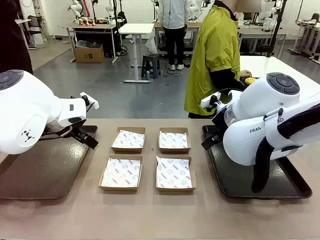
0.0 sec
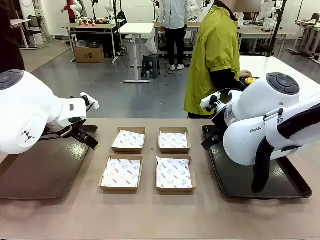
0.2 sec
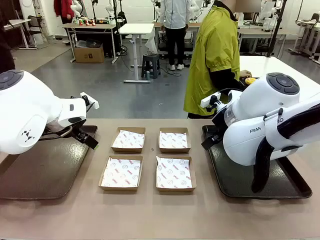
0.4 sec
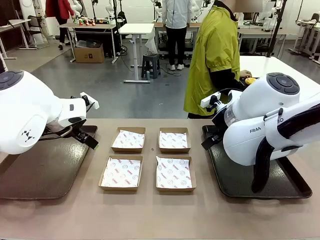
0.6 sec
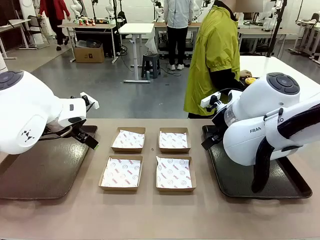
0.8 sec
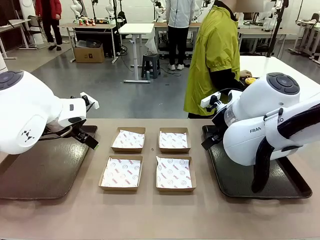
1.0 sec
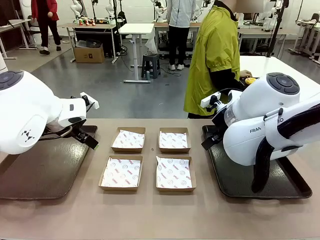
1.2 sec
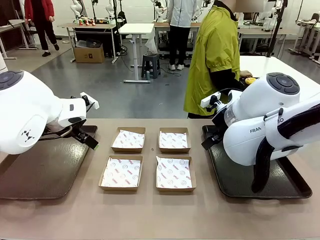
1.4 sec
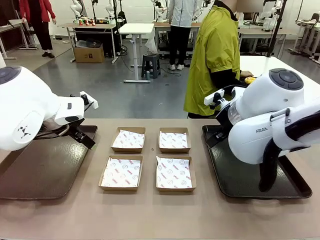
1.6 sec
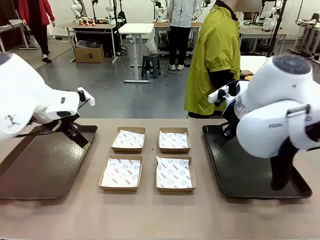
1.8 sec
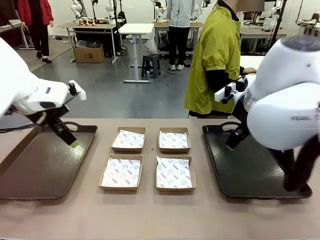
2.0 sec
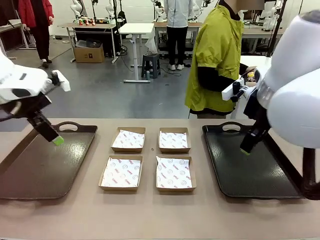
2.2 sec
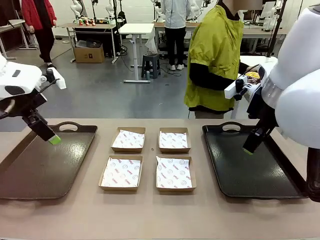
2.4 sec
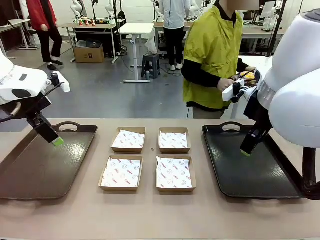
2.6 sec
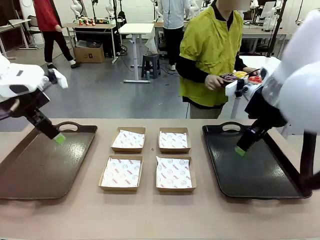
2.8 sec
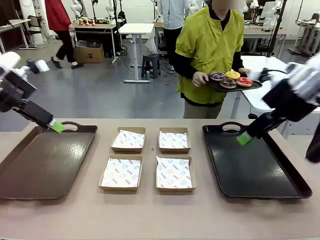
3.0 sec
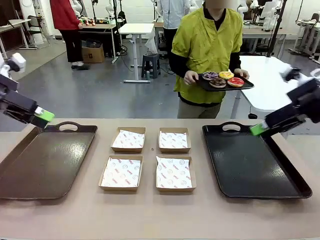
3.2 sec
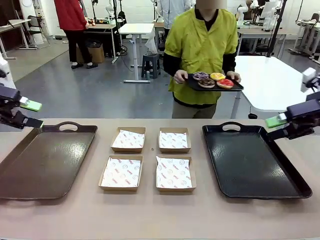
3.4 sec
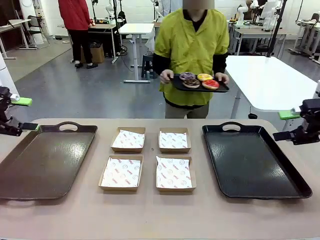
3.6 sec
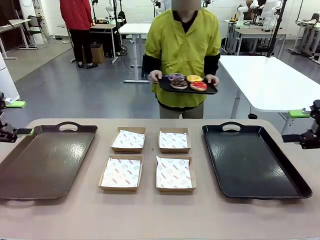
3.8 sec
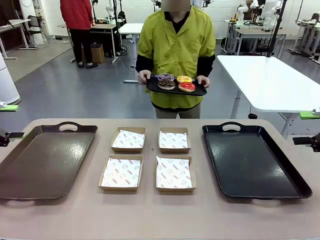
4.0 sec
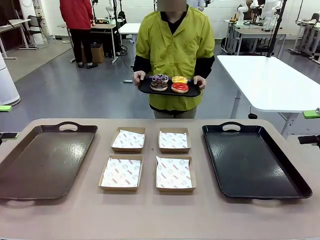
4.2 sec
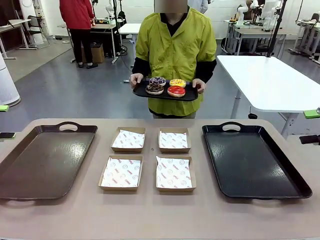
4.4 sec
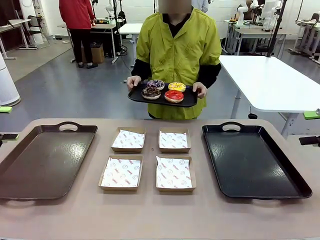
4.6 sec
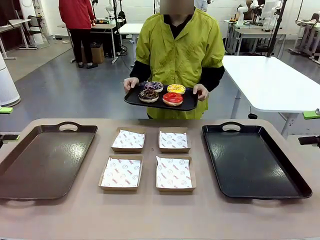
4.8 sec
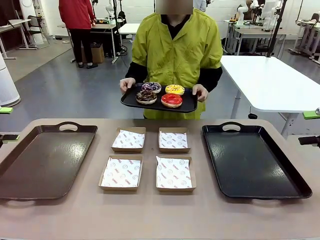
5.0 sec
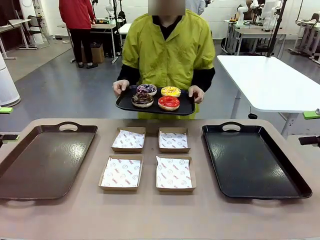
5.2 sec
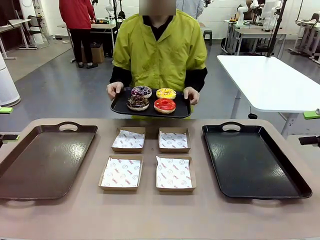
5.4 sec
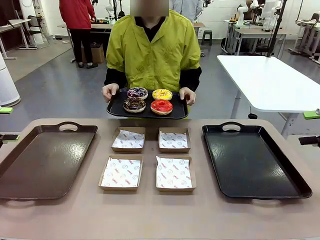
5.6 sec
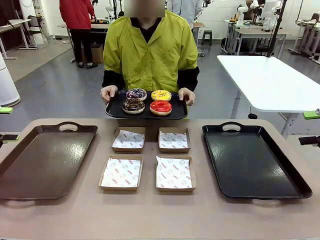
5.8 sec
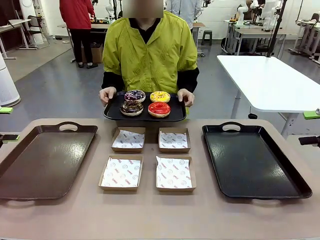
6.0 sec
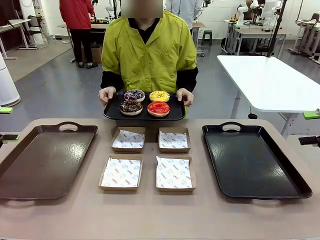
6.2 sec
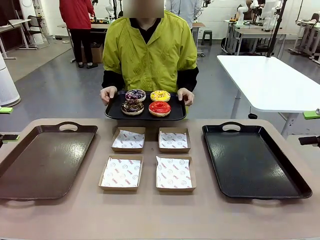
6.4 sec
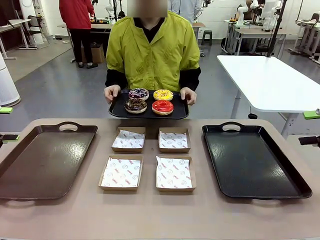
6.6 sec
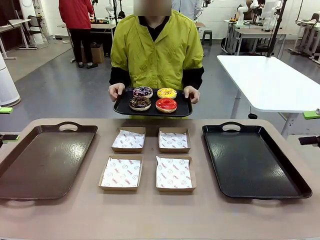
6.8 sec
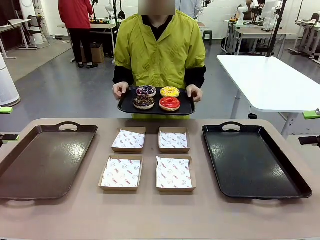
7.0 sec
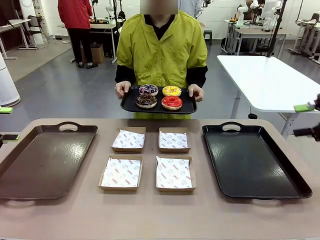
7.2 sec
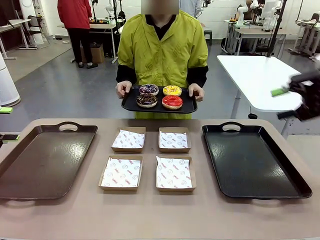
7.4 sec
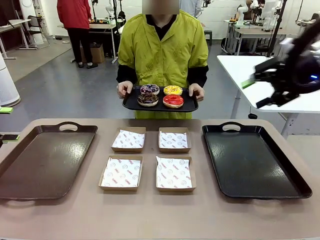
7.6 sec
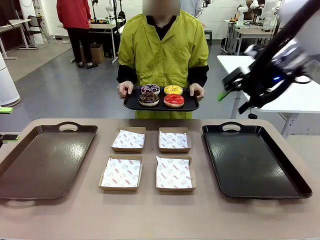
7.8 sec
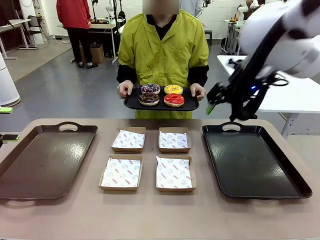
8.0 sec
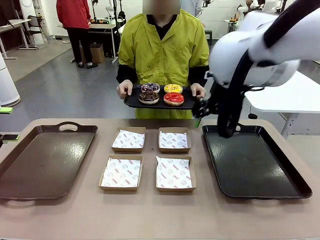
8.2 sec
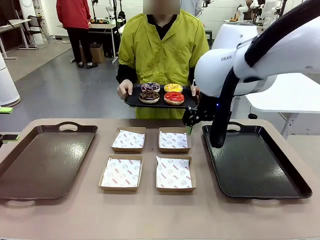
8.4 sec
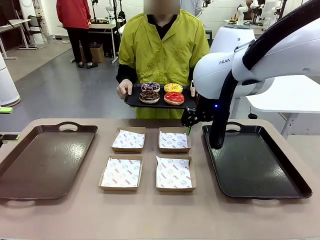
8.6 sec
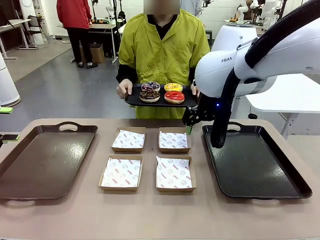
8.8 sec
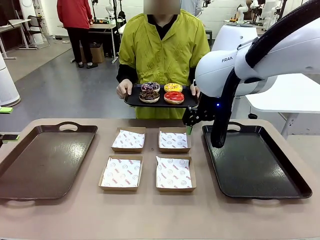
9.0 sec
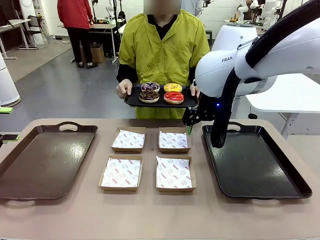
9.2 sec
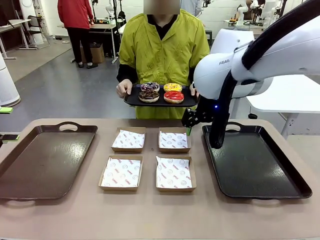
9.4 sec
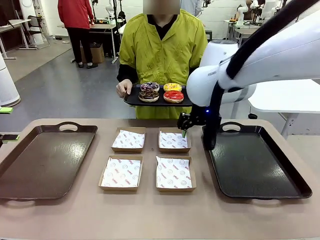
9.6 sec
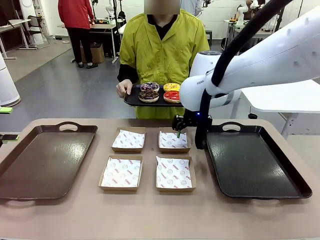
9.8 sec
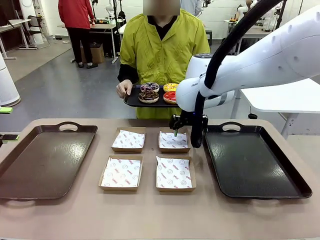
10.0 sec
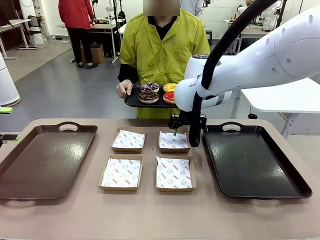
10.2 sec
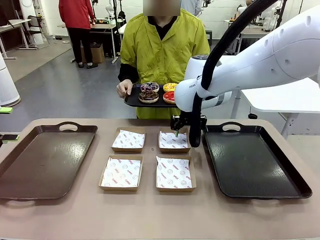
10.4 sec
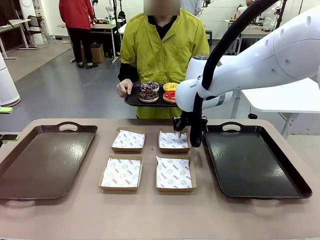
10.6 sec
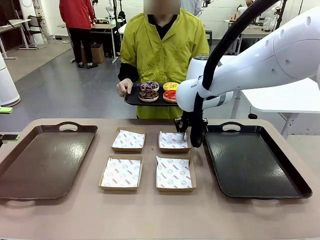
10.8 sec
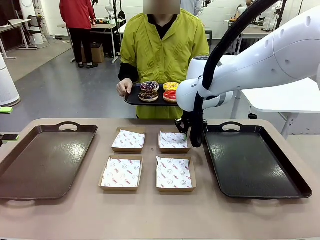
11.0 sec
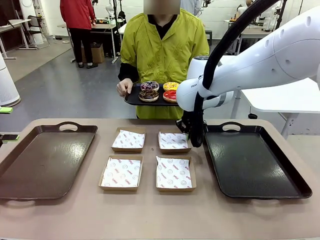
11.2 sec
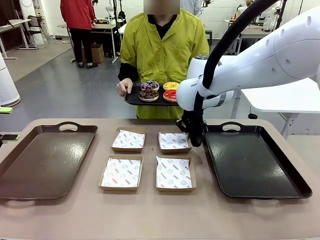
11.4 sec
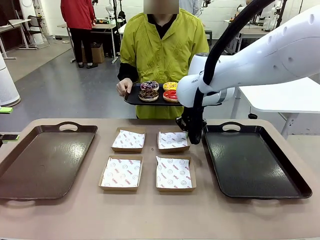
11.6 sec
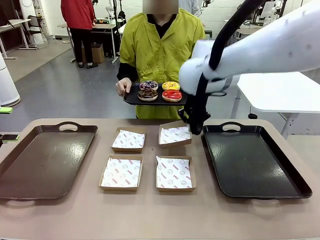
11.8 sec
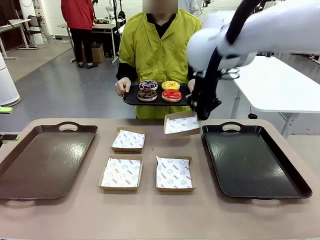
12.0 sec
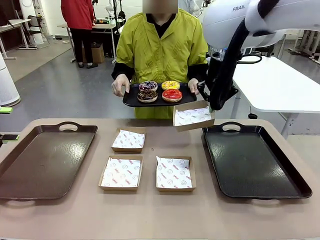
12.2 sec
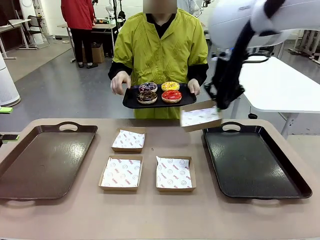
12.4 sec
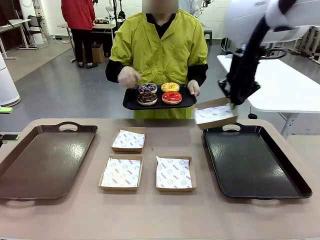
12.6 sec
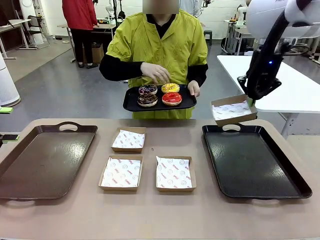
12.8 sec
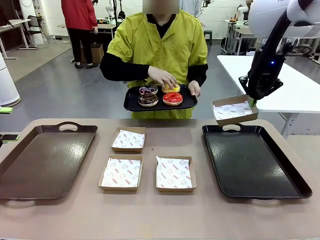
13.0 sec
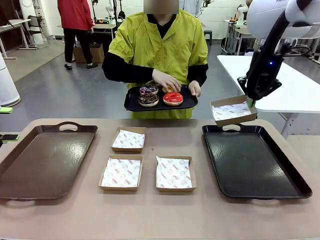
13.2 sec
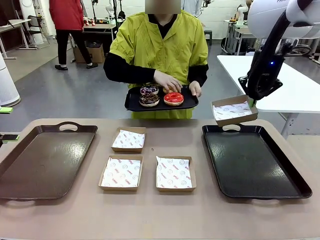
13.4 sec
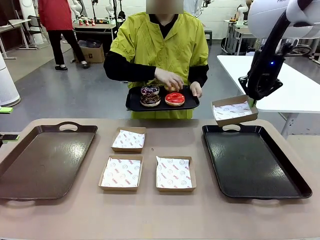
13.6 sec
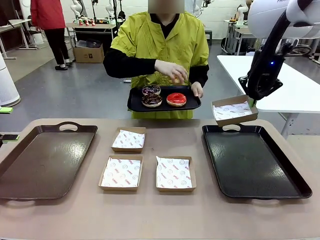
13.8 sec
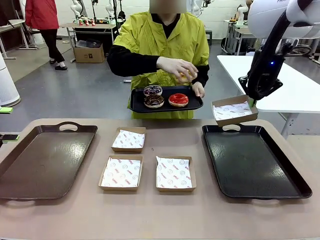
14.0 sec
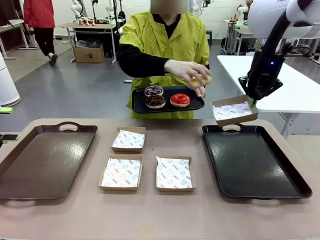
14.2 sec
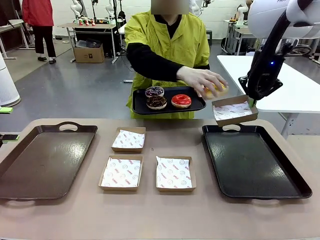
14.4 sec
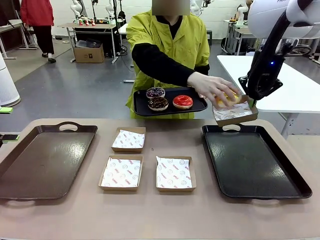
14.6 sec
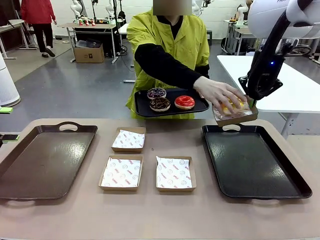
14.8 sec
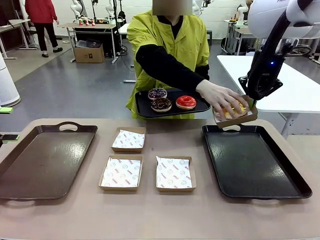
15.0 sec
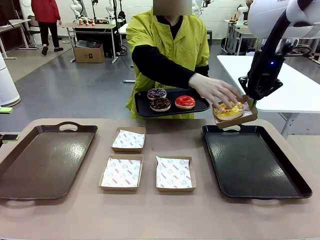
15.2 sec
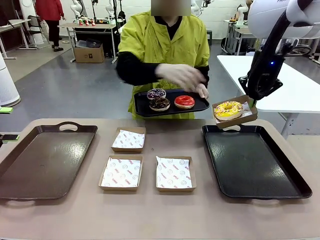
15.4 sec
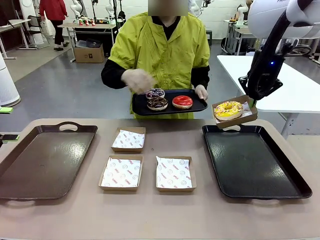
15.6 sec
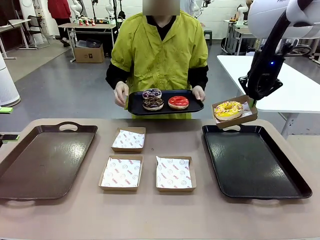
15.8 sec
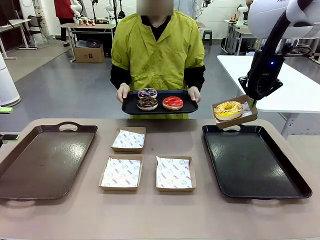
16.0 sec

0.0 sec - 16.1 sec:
Task: Individually package the donuts and arrange them on the tray.
Robot: Pick up one Paper togo box.
Person: Stand in front of the robot table holding the tray containing the donuts.
